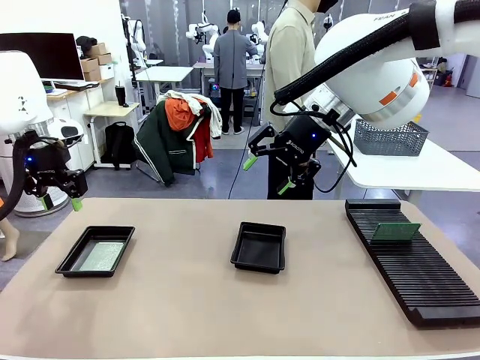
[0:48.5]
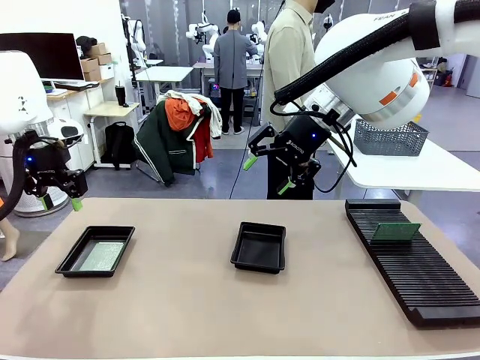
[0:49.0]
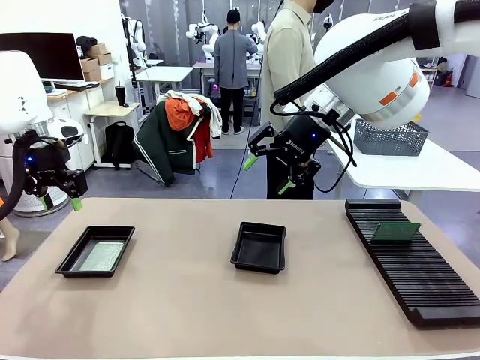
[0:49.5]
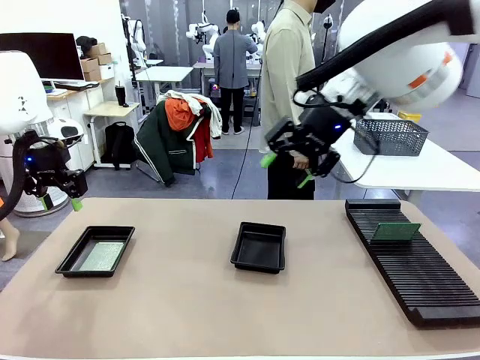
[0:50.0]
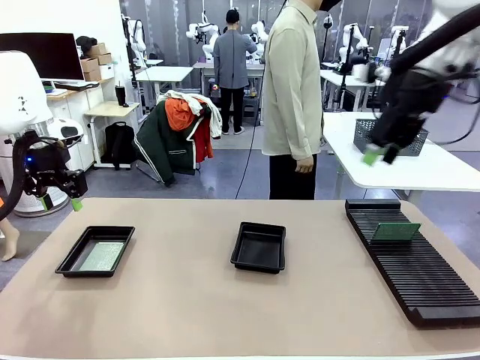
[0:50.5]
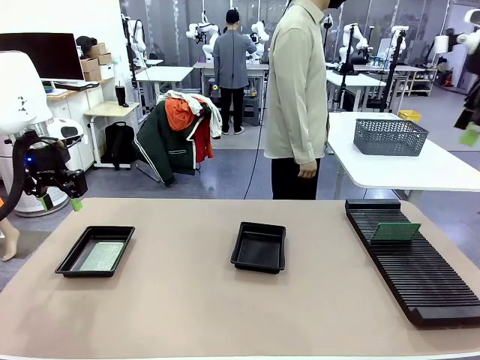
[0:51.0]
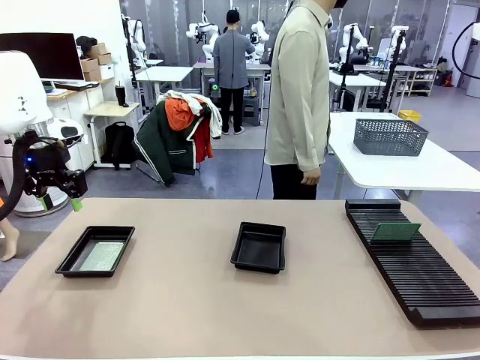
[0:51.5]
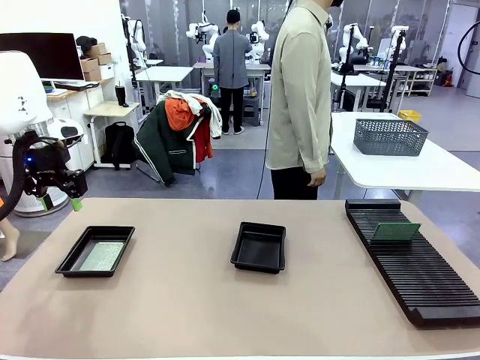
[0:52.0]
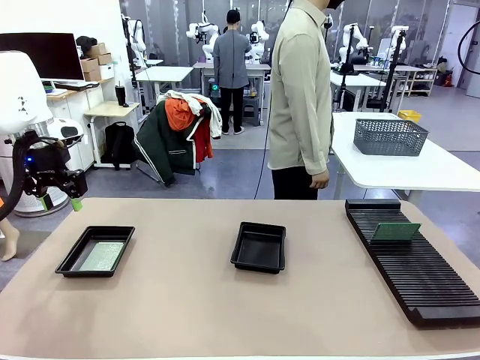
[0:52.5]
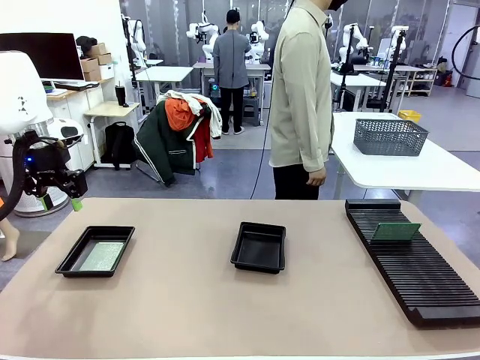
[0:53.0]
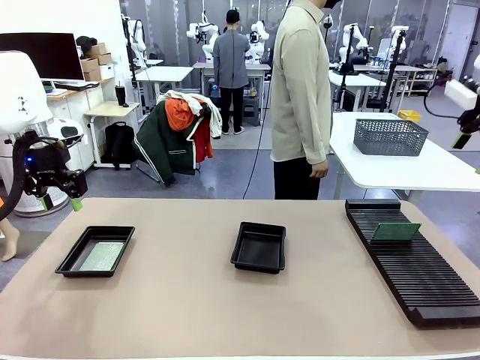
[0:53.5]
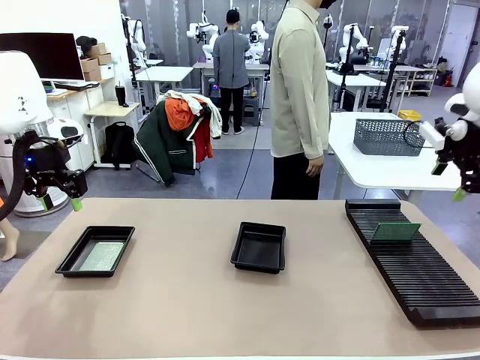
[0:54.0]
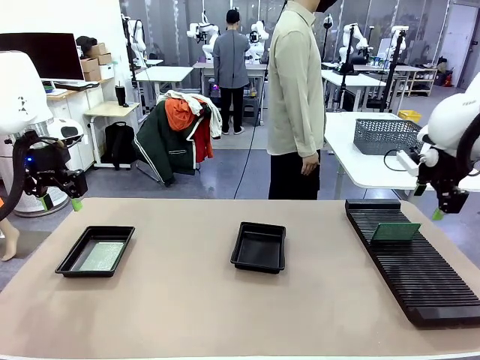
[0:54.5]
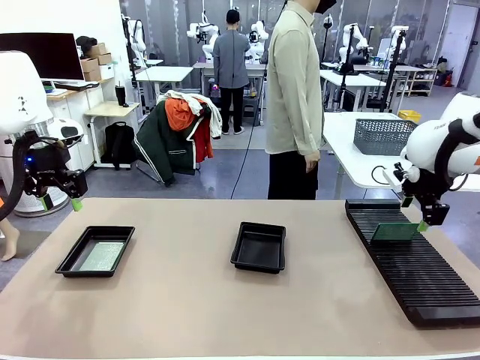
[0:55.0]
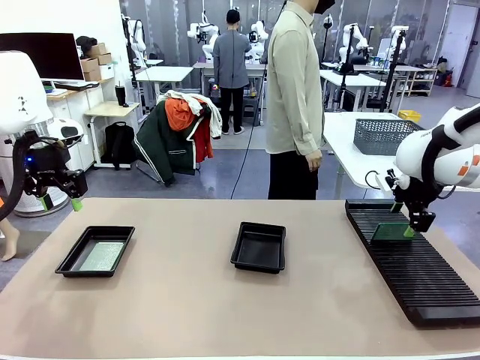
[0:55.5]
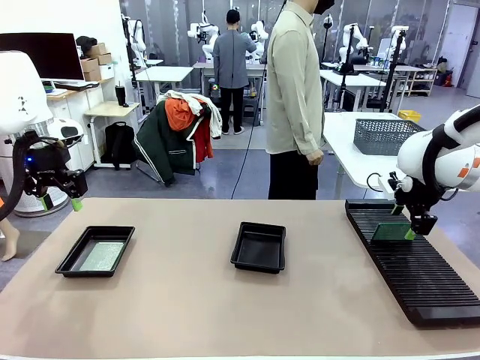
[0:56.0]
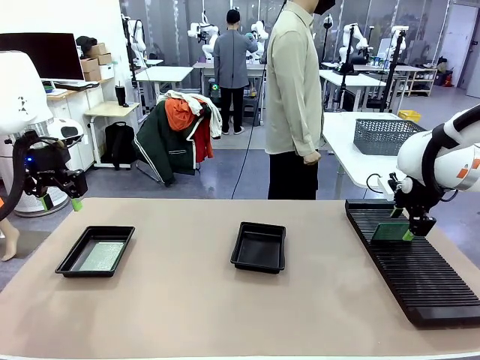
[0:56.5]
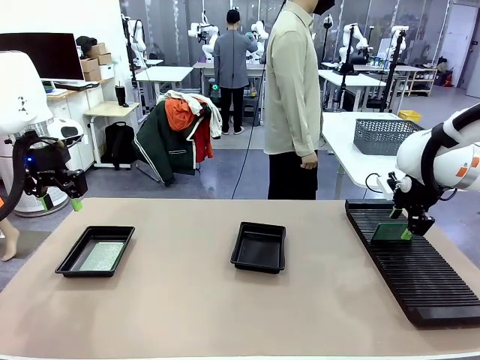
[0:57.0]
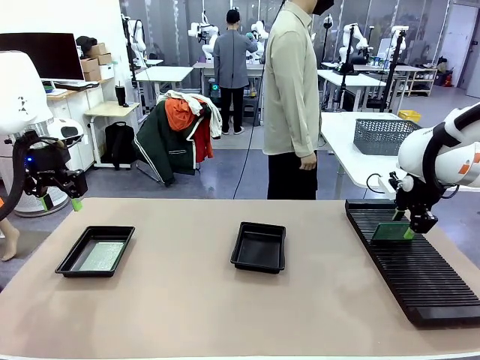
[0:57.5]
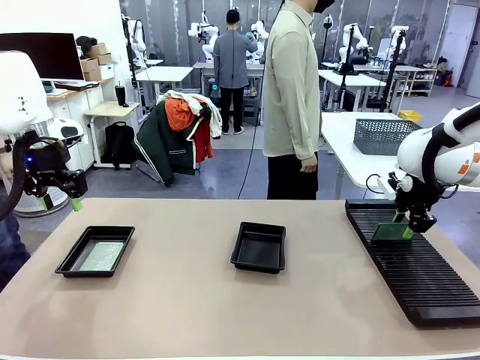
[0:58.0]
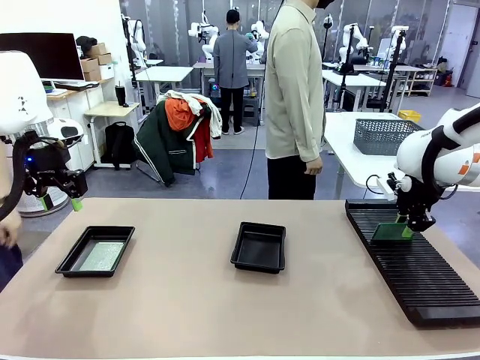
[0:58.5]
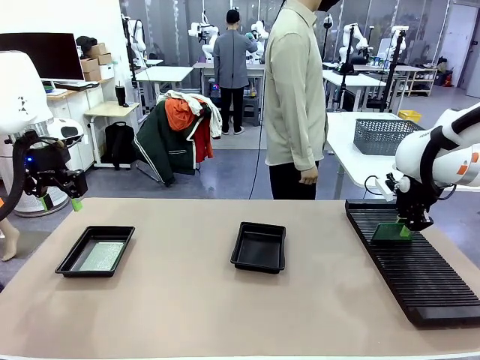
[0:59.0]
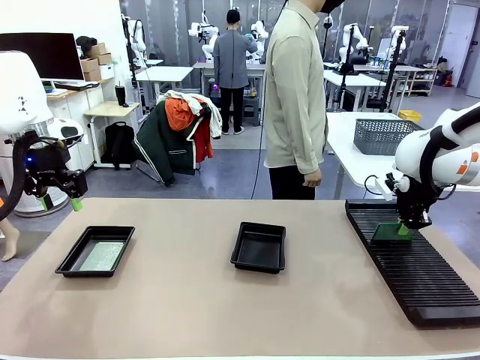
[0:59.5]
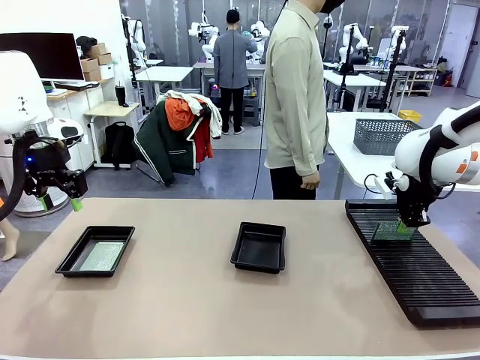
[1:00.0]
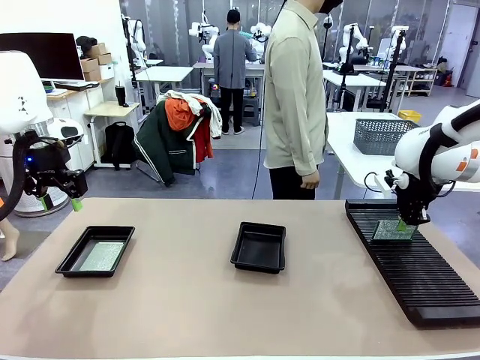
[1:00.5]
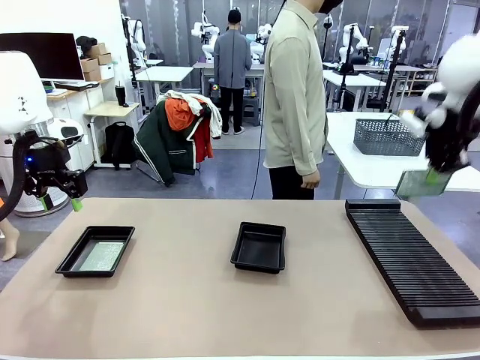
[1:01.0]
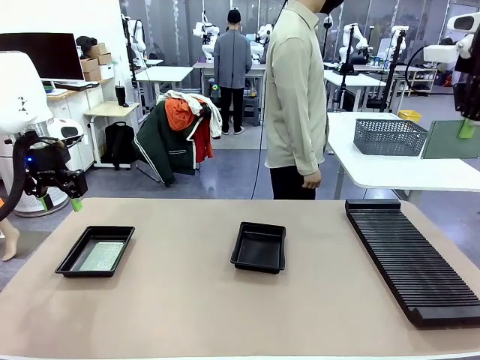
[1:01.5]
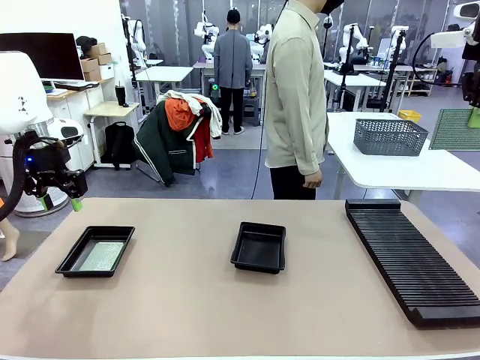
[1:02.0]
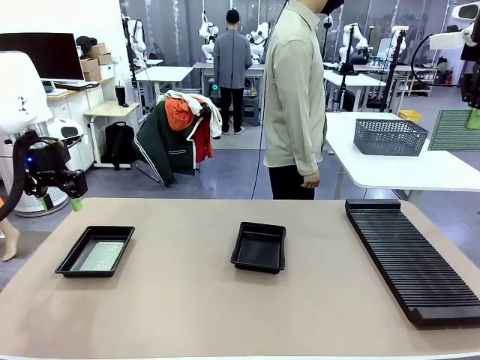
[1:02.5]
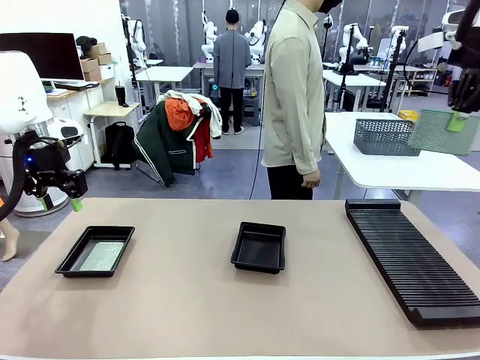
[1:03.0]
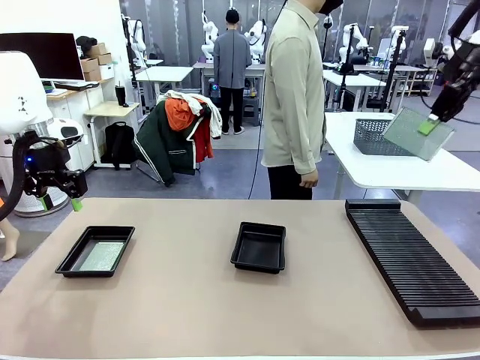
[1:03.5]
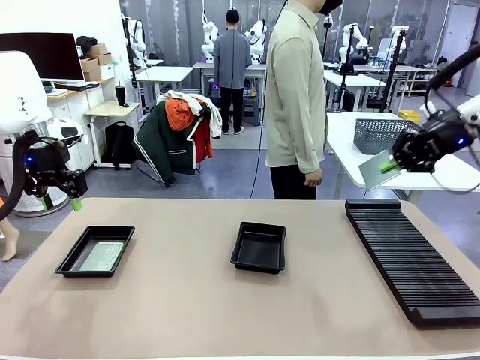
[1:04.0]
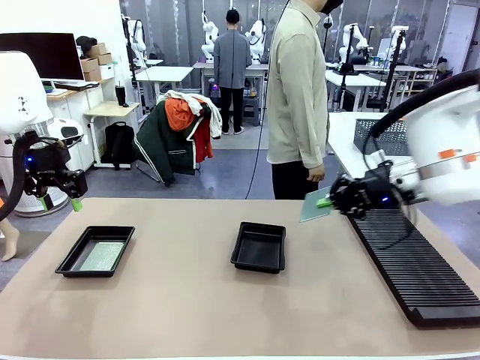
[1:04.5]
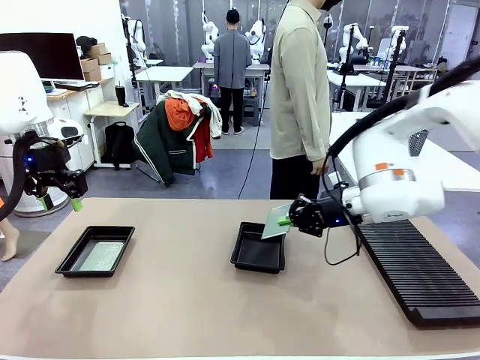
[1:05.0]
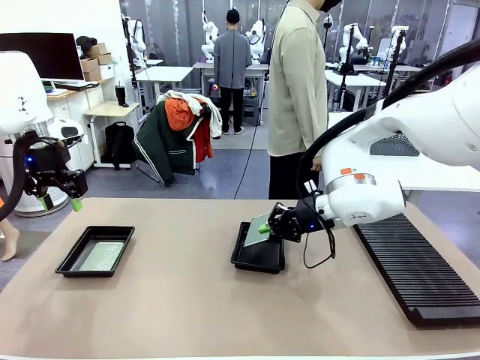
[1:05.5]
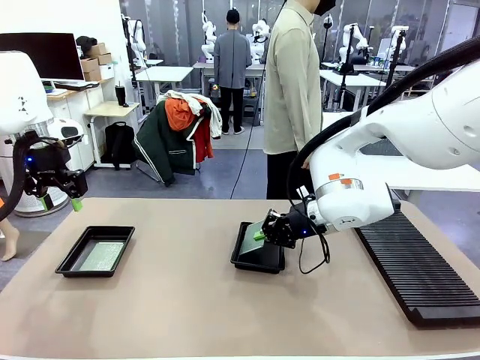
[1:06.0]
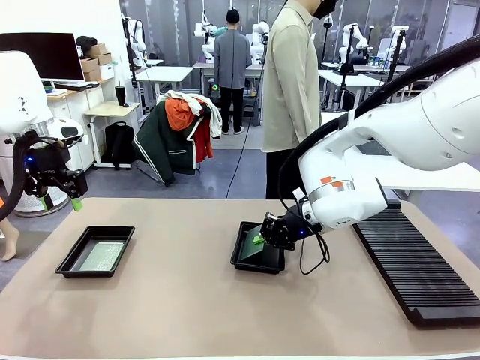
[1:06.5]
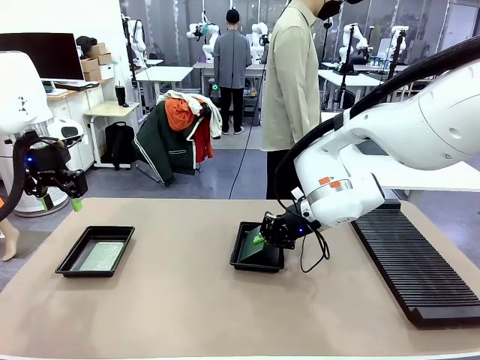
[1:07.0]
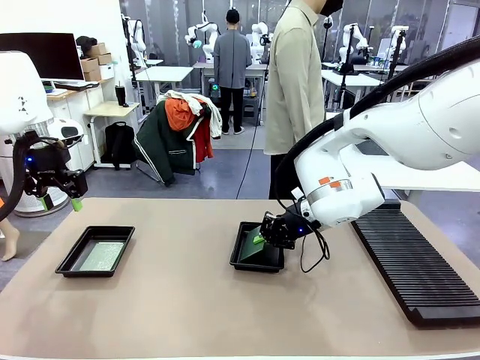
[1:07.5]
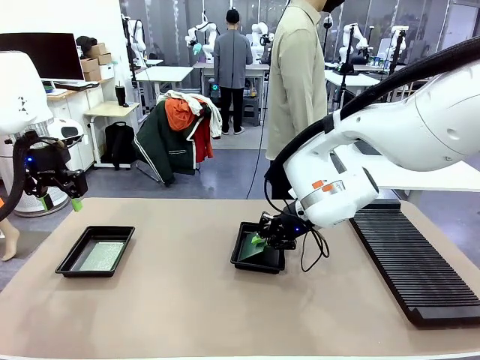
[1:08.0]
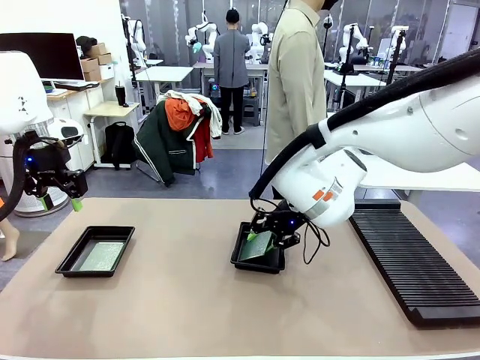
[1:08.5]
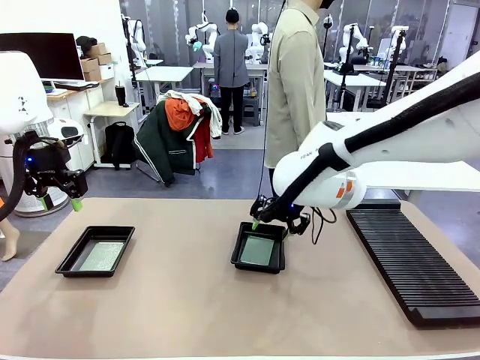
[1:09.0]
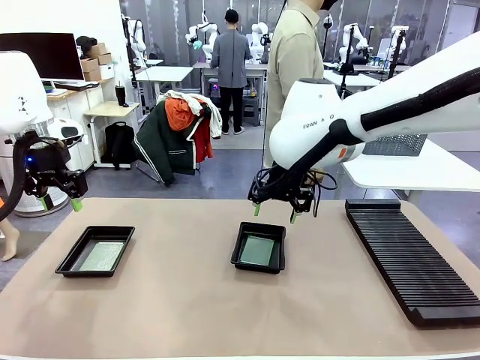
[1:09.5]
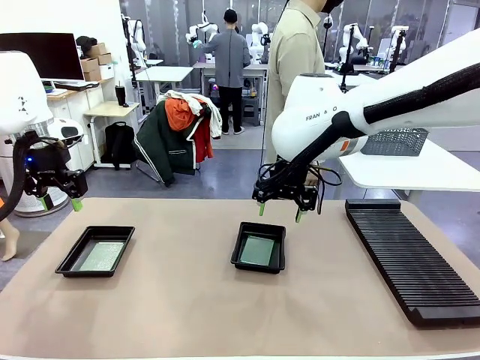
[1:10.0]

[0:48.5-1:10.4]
Task: Inspect and transfer BCBs to ESD trays.
Robot: Pick up the Blank PCB from the PCB Rack and place it in the right ESD tray.

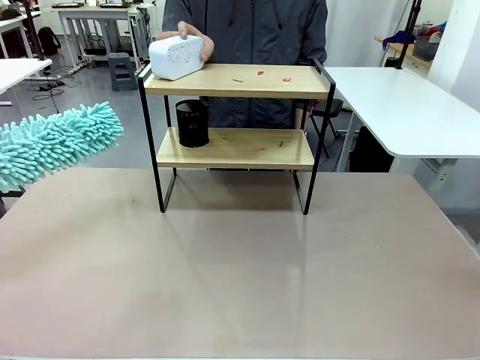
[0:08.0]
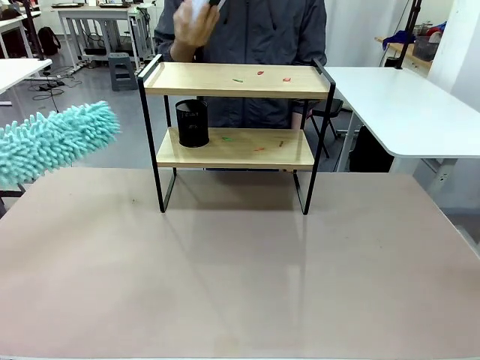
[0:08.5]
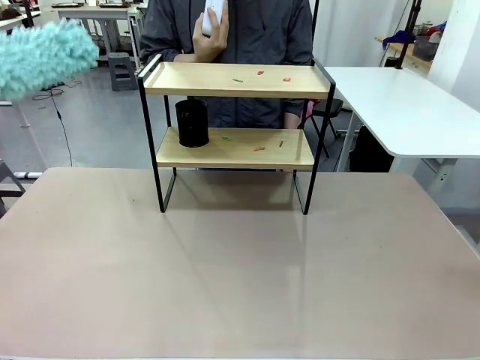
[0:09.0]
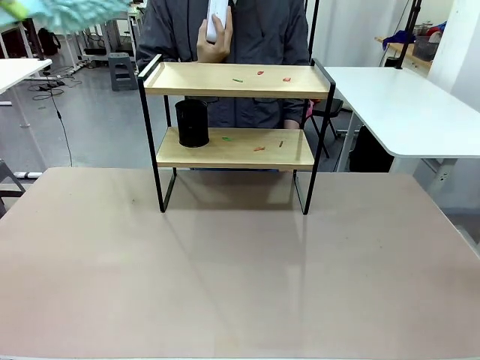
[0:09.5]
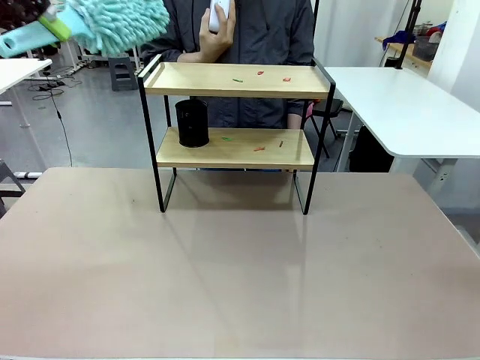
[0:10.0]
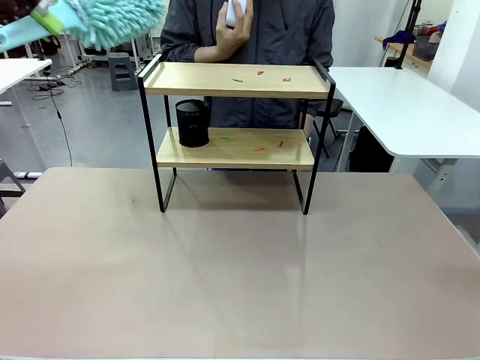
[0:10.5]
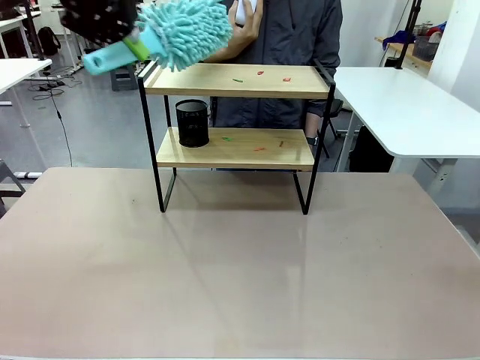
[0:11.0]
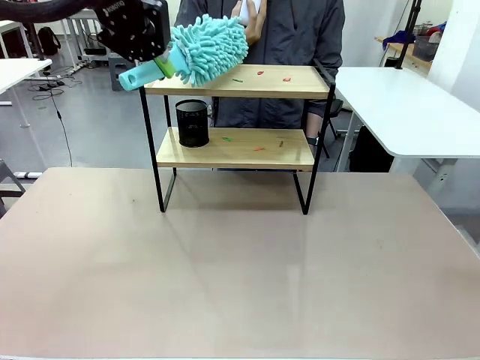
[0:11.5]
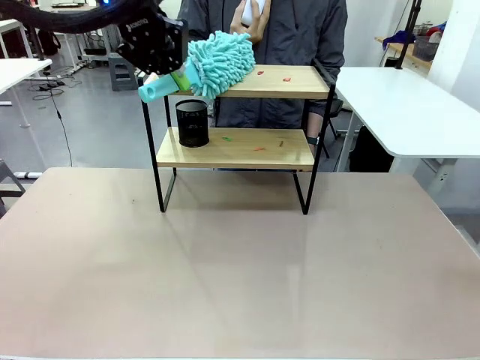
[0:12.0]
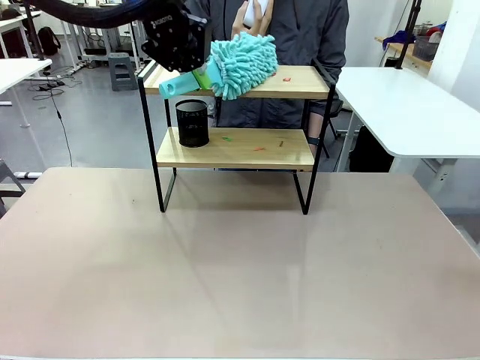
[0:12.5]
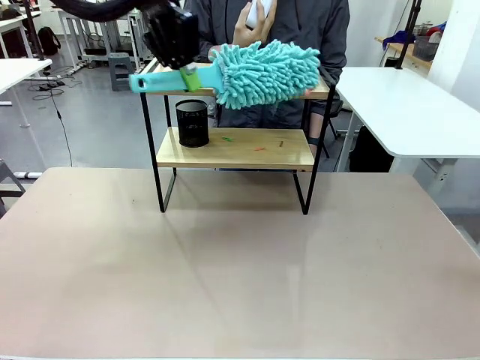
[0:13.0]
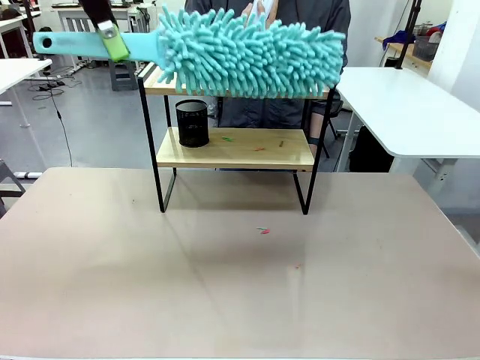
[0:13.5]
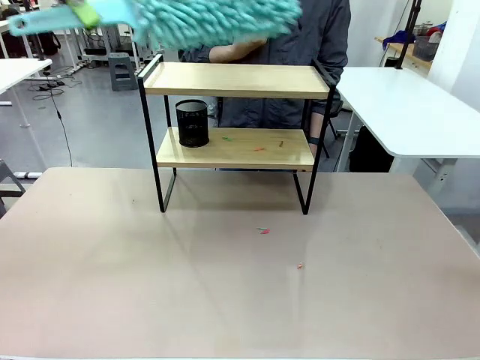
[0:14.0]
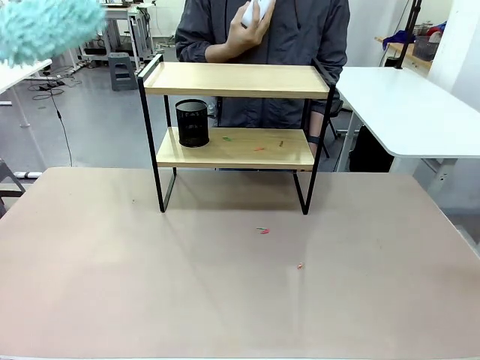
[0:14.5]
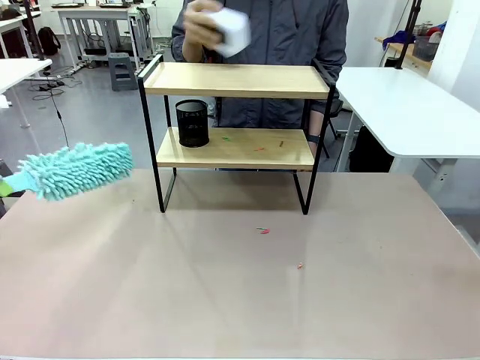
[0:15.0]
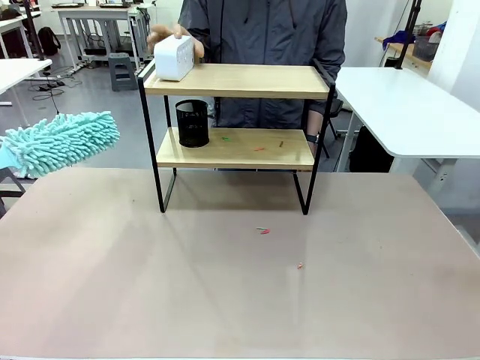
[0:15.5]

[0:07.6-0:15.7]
Task: Clean the shelf.
Robot: Clean the specific tier of the Shelf with the Duster once objects are removed.
Person: Lift the objects on a randomly selected tier of the Shelf. Once the robot finishes cleaning, lift the objects on the remaining tiers of the Shelf.
